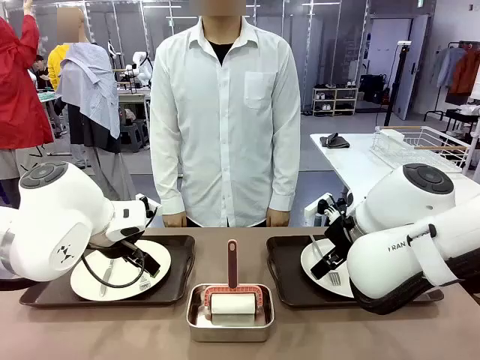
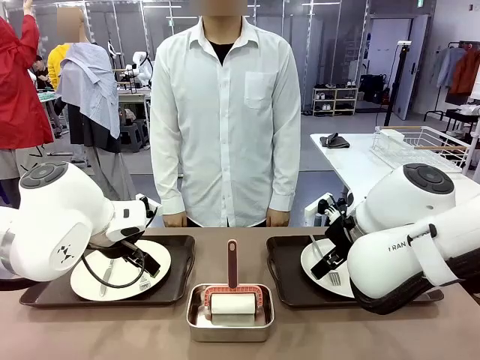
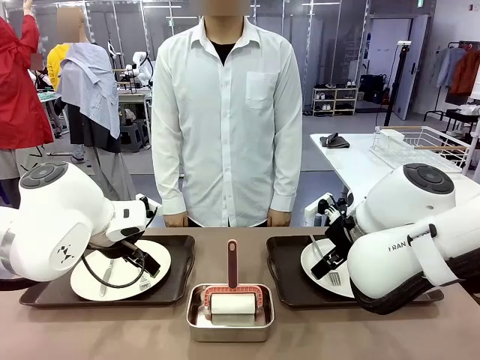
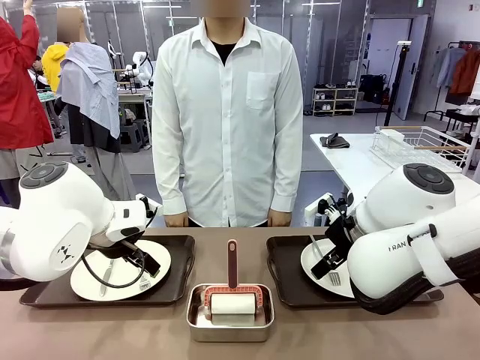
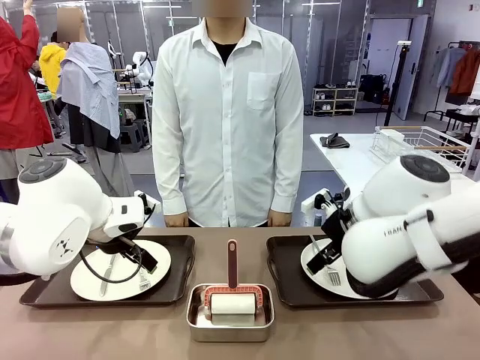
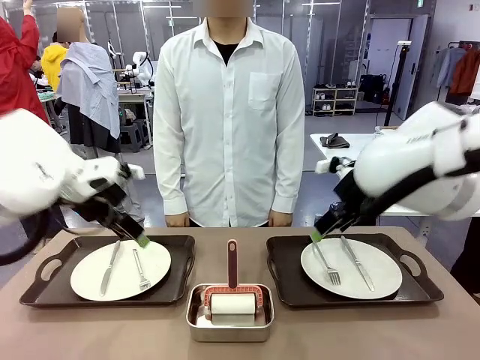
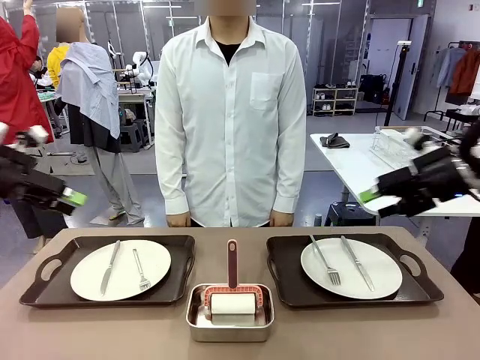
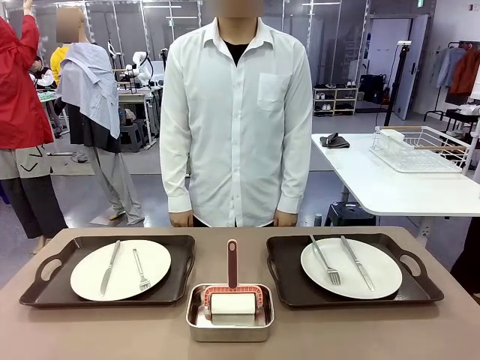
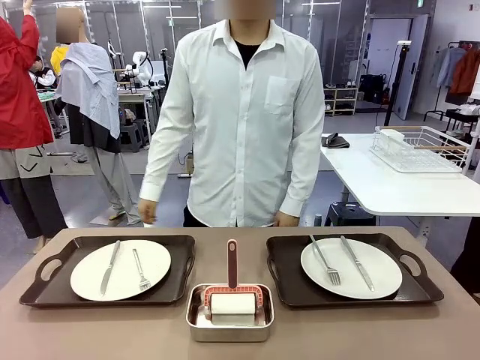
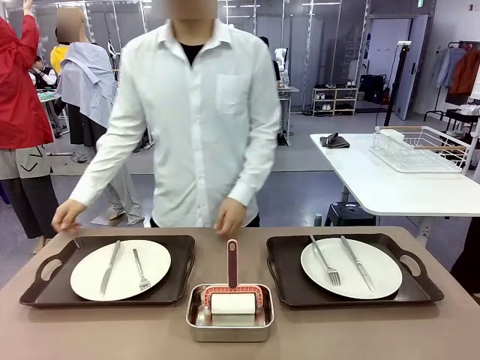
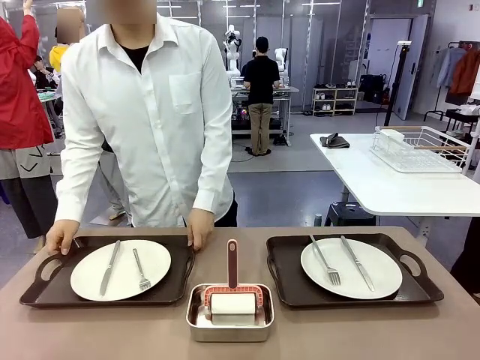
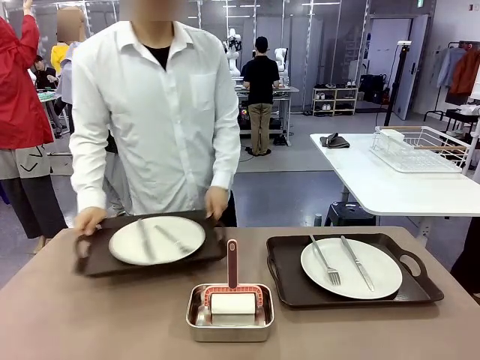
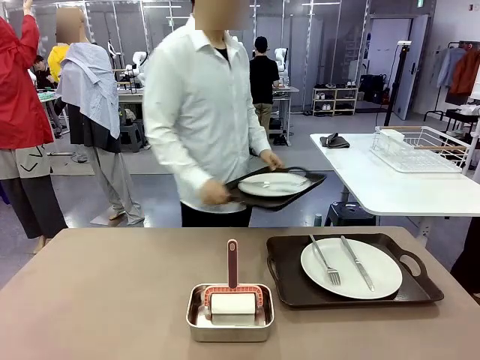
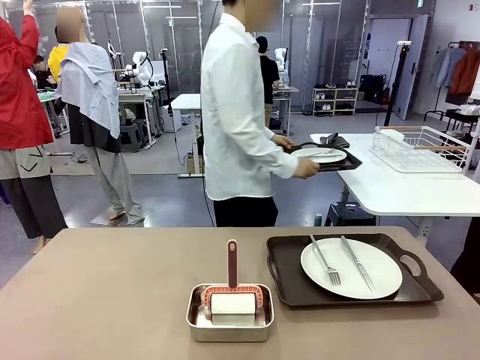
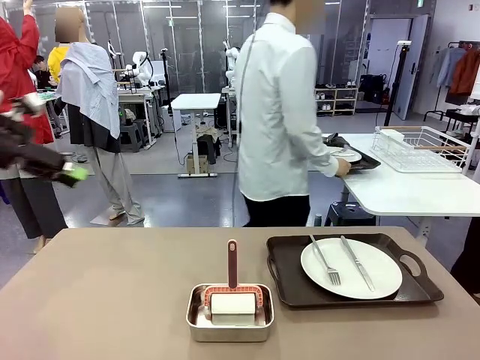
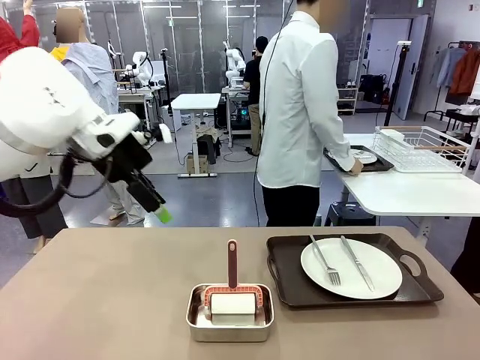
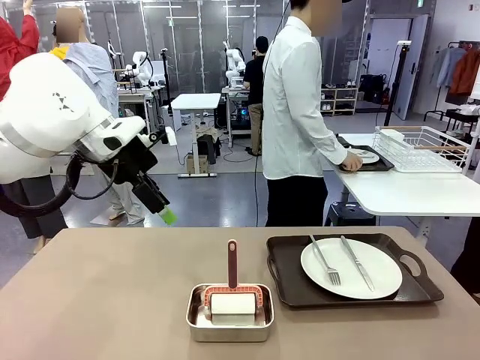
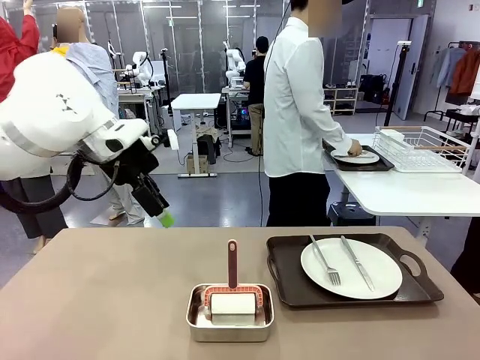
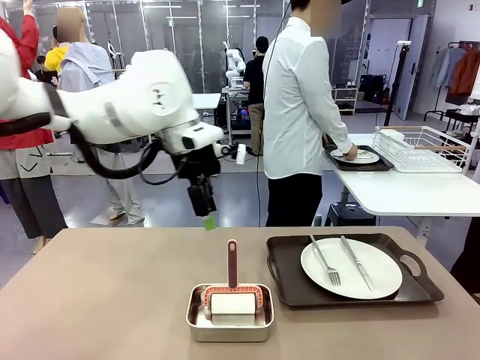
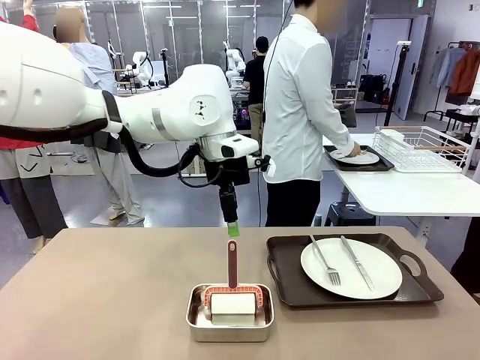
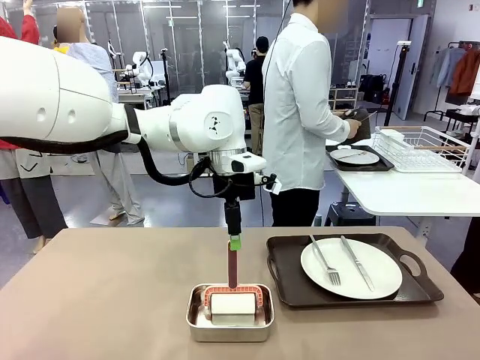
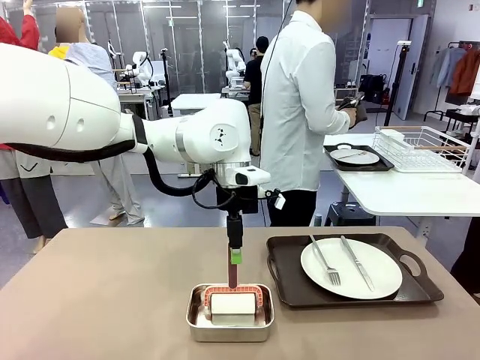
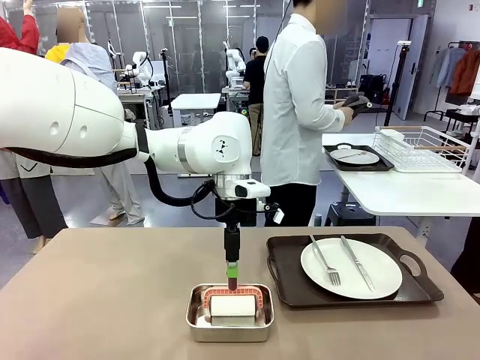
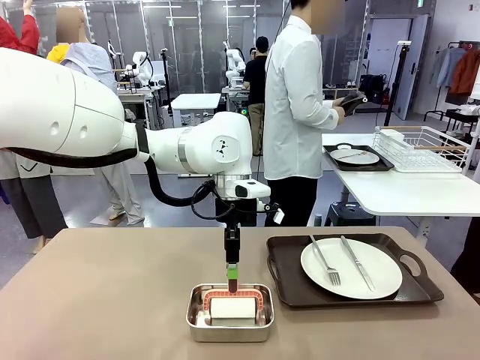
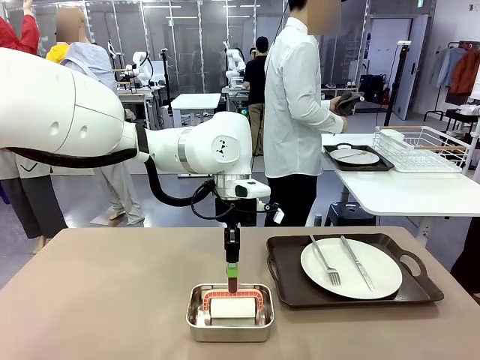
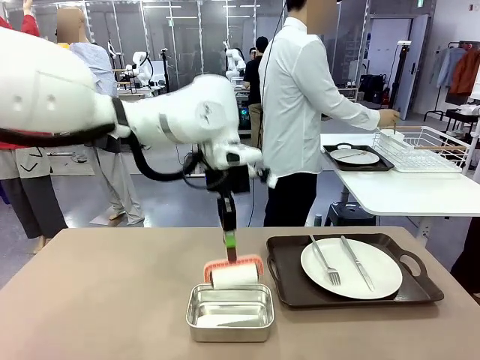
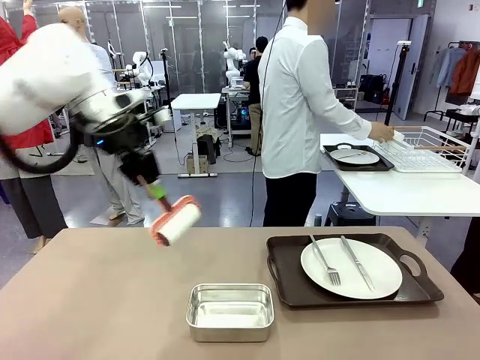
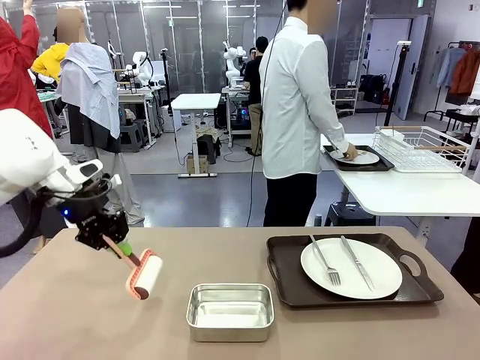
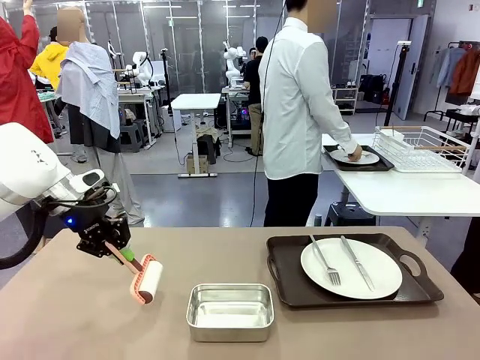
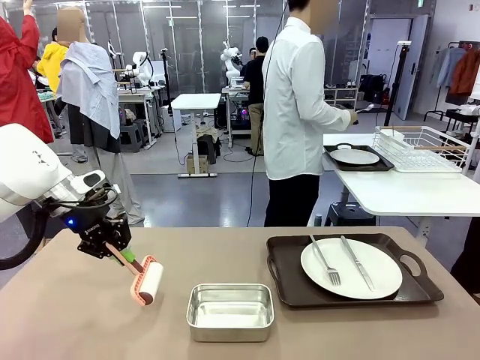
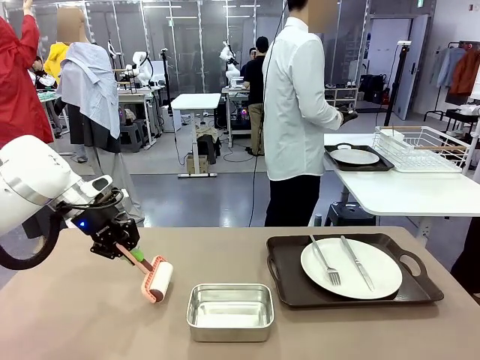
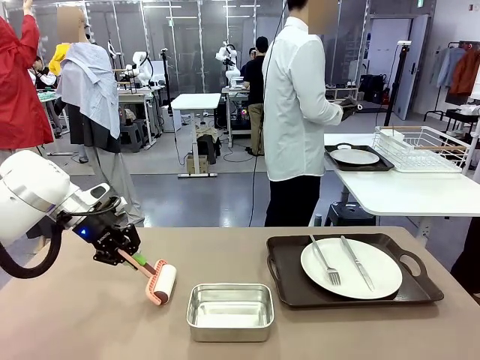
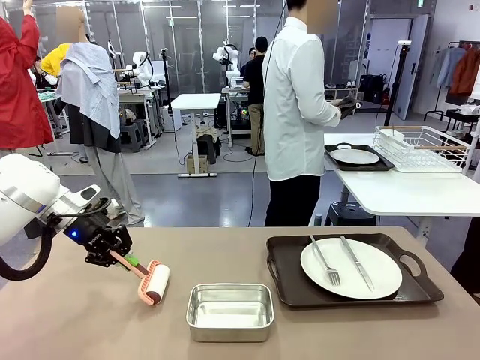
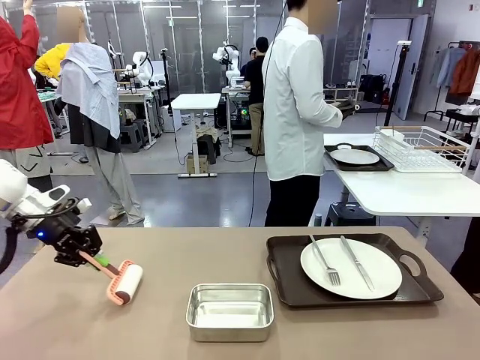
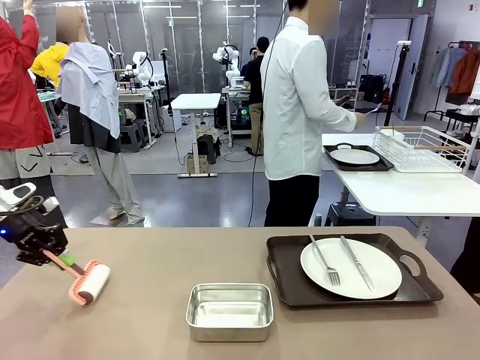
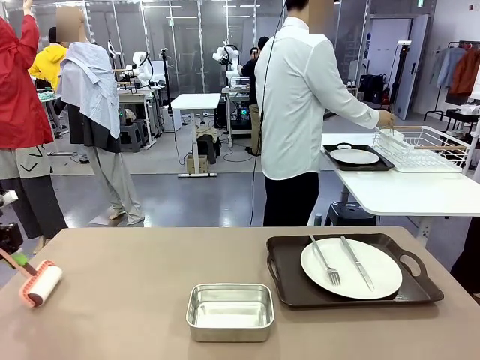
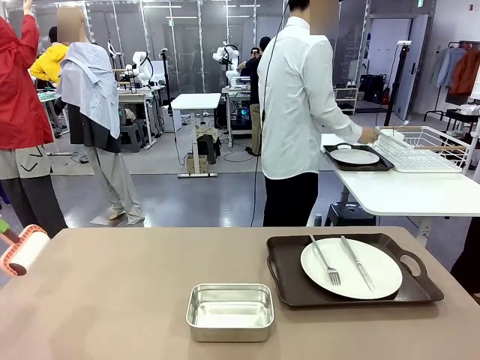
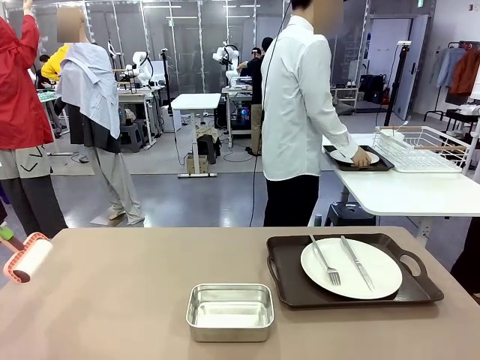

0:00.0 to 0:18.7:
Robot: When the left (or right) Handle tray is removed, use the left hand (or right hand) to clean the left (or right) side of the table with the Lint Roller.
Person: Pick up the left (or right) Handle tray and place it on the middle of the Human's table. Use the Towel with hook to wipe the Plastic Matte Plate , Fork , and Knife and place into the Dish drying rack.

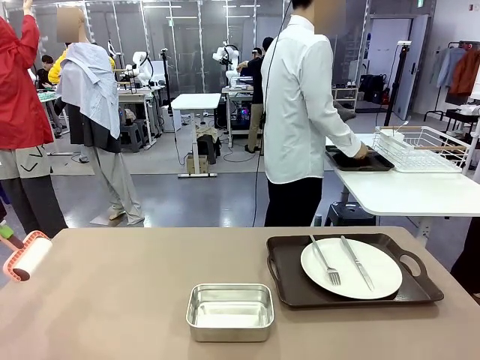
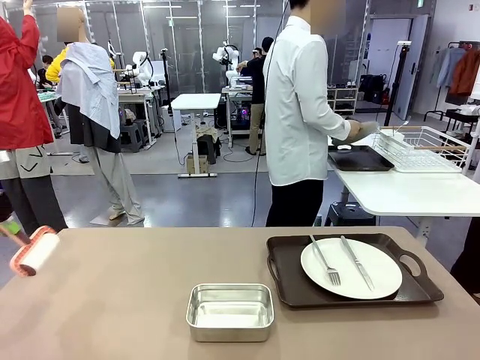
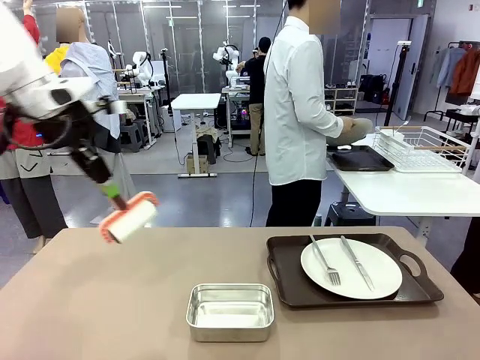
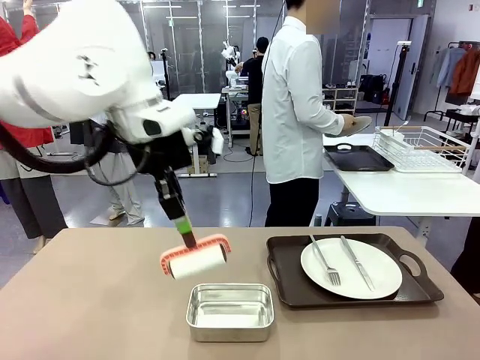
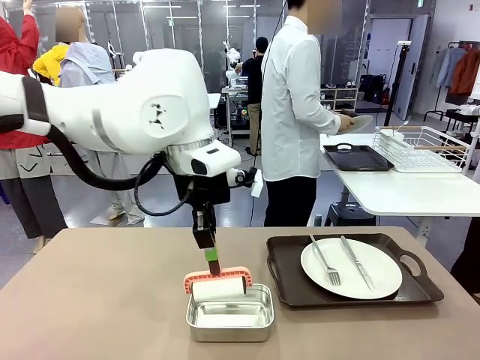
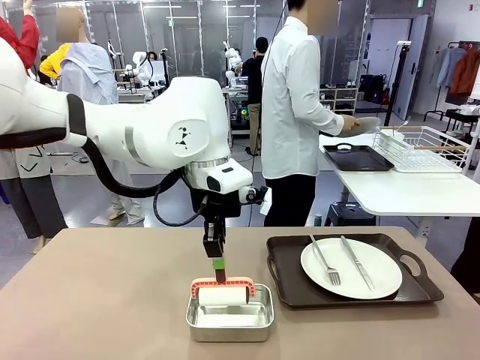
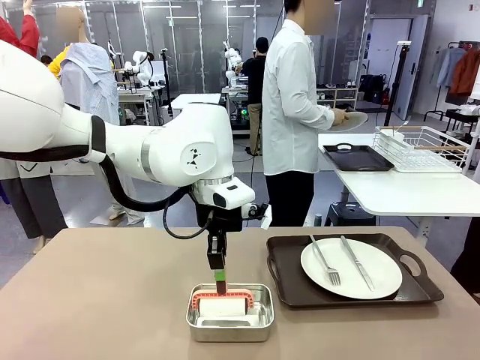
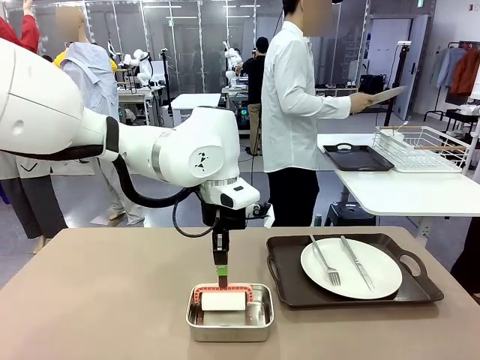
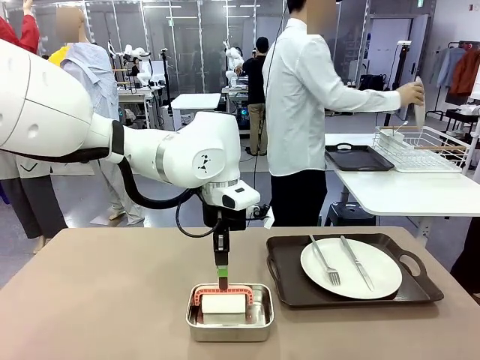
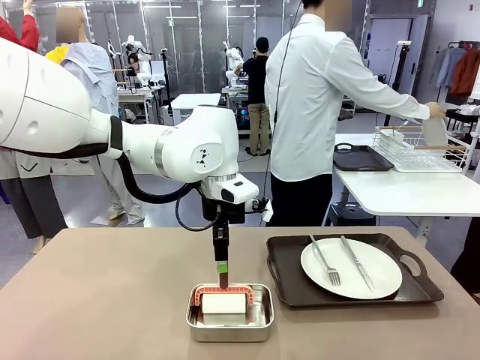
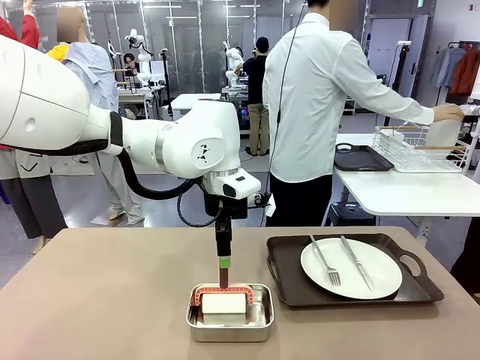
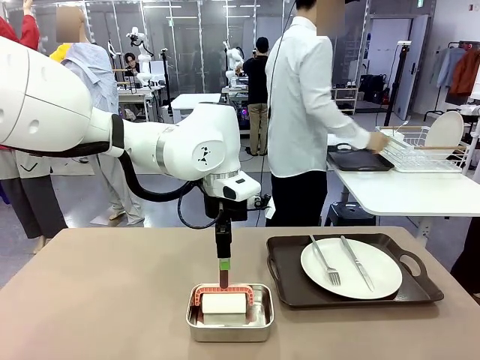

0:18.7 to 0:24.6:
Robot: Place the Lint Roller back on top of the Airtight Container.
